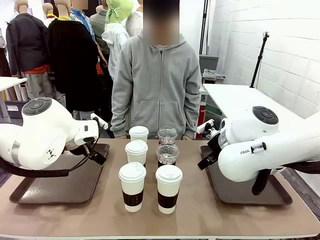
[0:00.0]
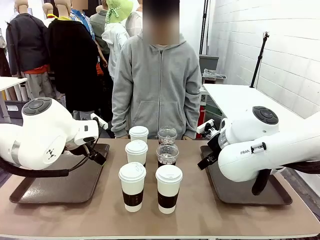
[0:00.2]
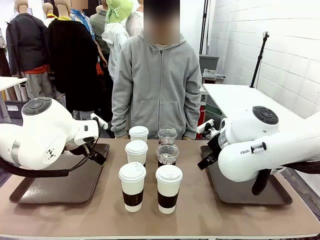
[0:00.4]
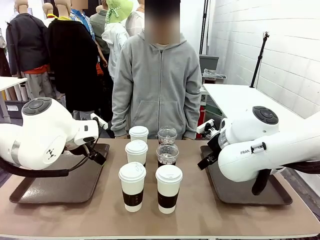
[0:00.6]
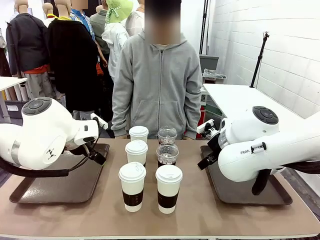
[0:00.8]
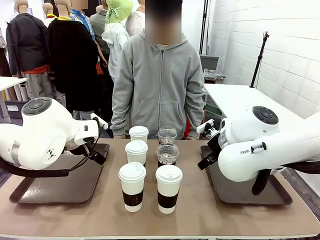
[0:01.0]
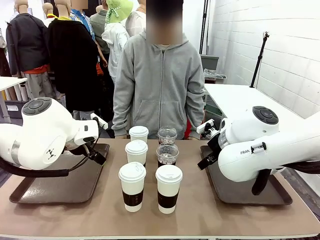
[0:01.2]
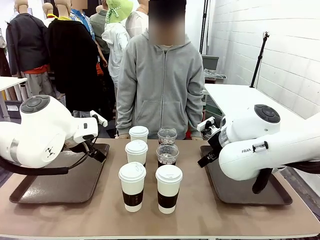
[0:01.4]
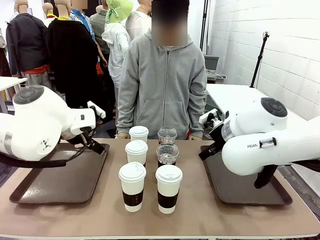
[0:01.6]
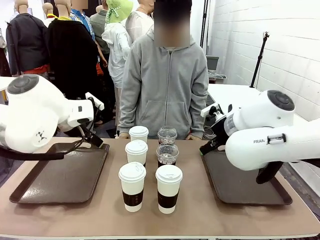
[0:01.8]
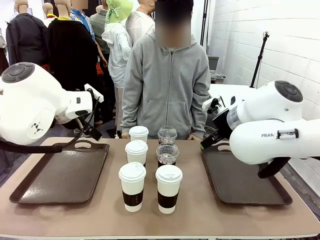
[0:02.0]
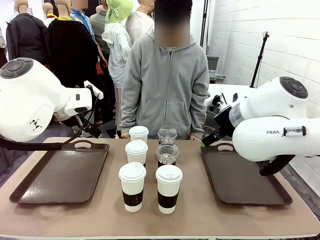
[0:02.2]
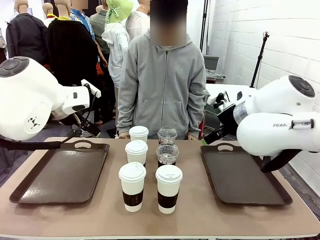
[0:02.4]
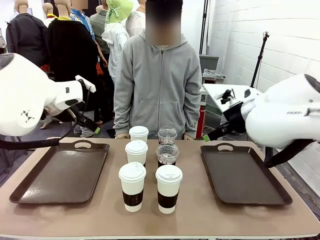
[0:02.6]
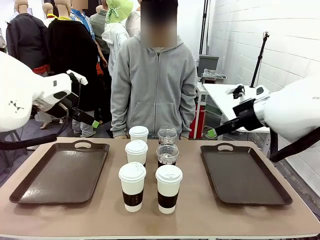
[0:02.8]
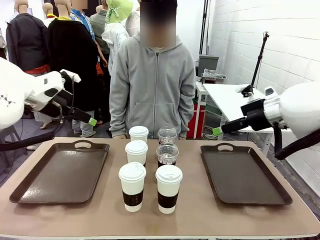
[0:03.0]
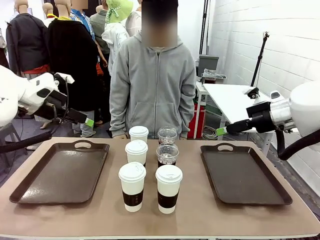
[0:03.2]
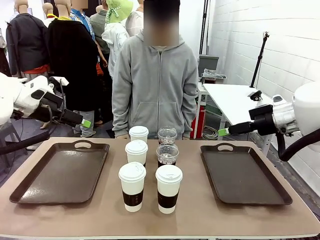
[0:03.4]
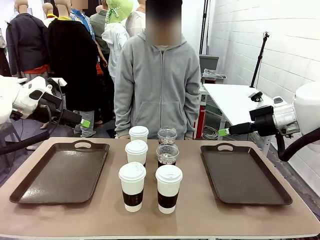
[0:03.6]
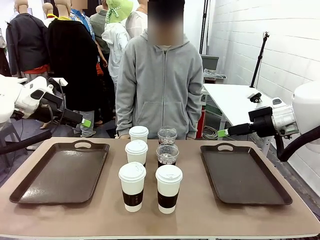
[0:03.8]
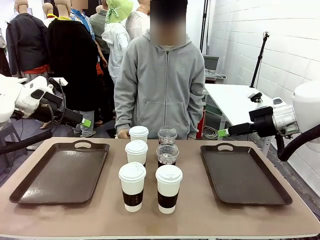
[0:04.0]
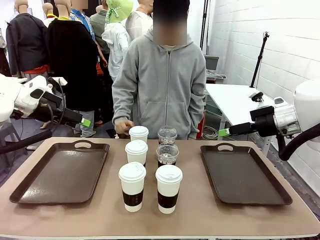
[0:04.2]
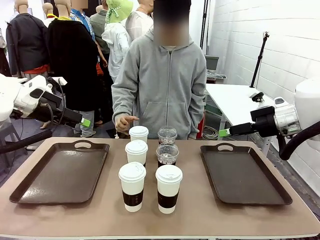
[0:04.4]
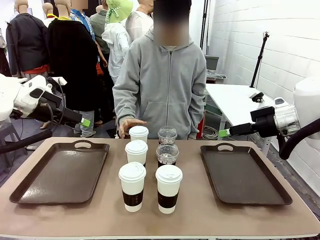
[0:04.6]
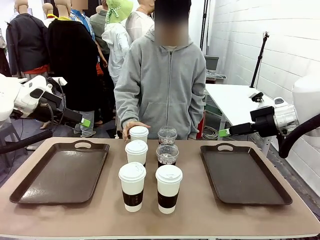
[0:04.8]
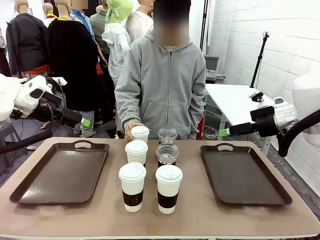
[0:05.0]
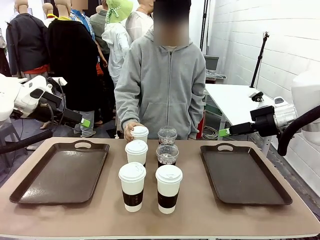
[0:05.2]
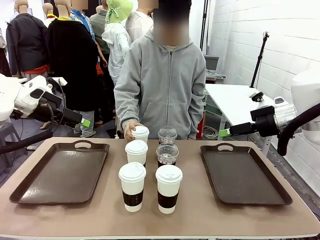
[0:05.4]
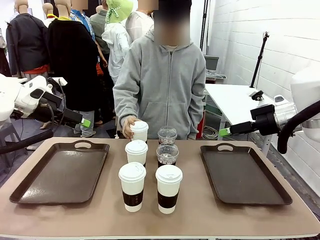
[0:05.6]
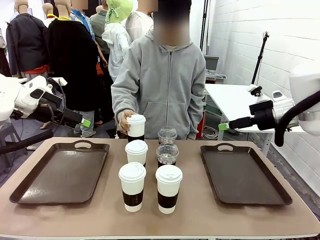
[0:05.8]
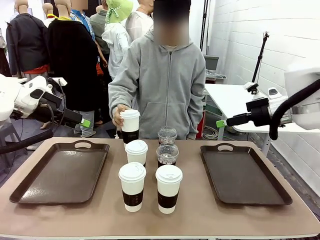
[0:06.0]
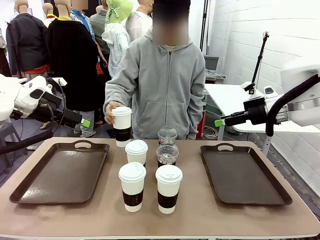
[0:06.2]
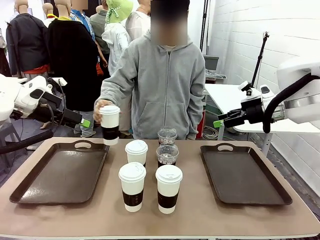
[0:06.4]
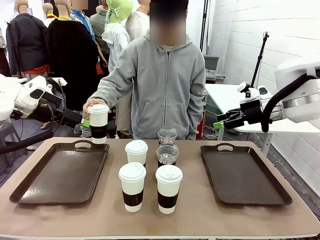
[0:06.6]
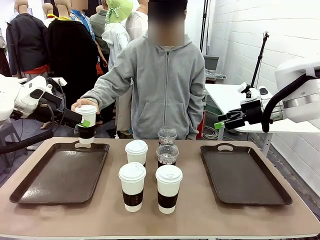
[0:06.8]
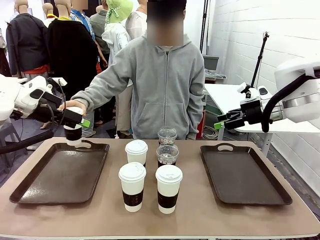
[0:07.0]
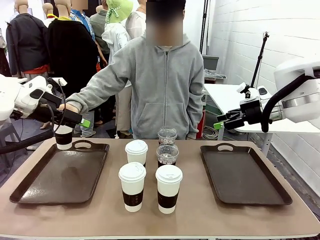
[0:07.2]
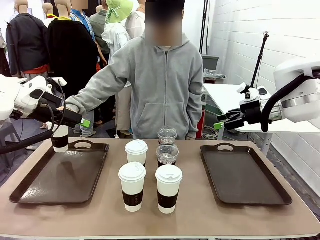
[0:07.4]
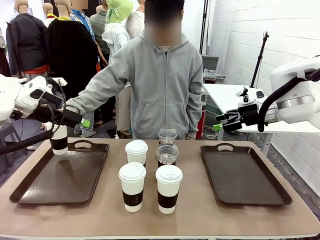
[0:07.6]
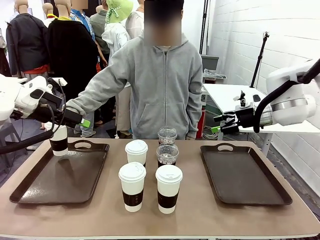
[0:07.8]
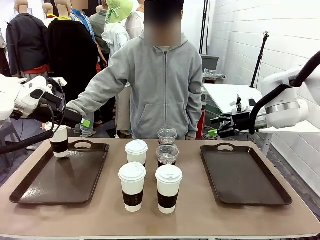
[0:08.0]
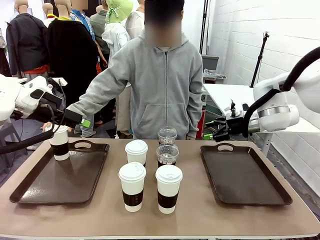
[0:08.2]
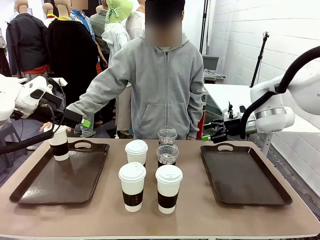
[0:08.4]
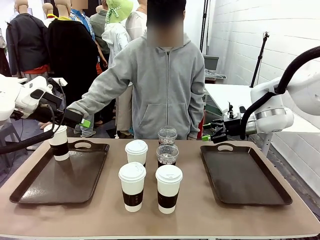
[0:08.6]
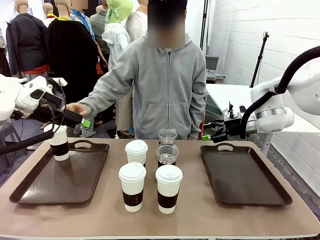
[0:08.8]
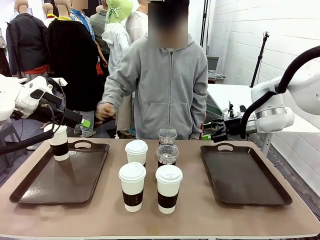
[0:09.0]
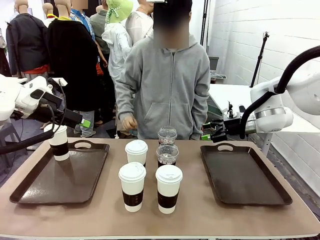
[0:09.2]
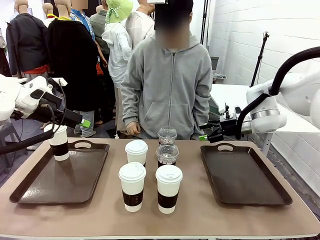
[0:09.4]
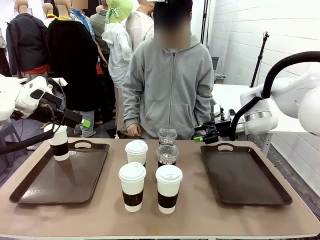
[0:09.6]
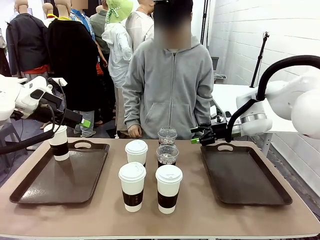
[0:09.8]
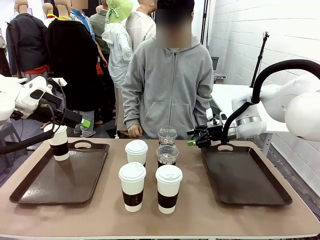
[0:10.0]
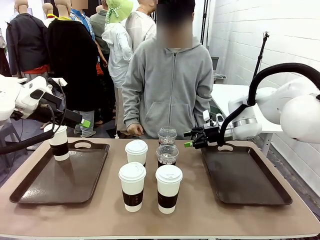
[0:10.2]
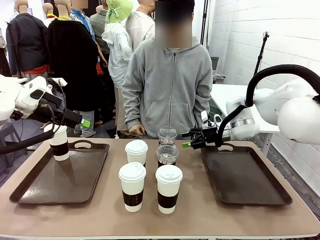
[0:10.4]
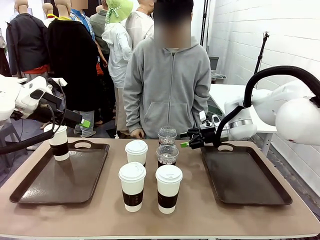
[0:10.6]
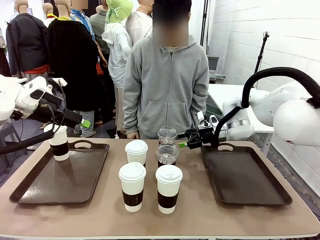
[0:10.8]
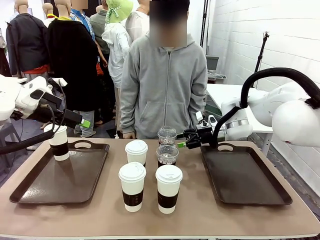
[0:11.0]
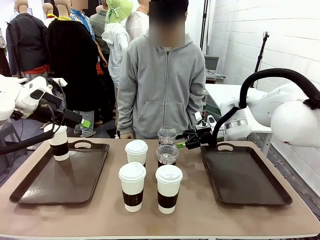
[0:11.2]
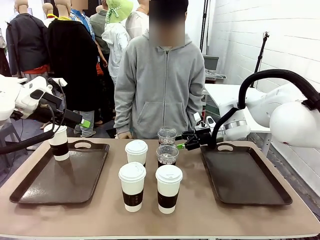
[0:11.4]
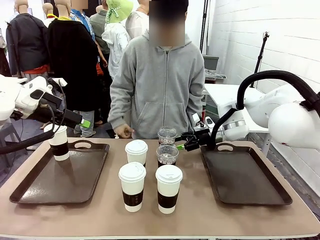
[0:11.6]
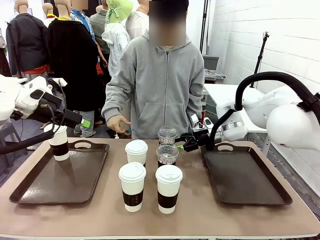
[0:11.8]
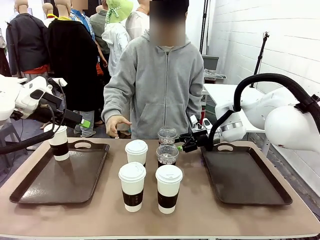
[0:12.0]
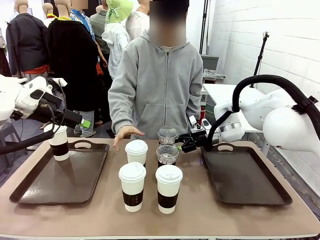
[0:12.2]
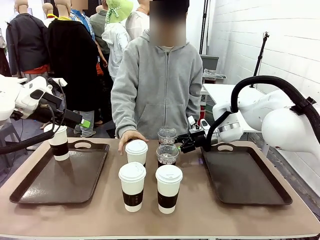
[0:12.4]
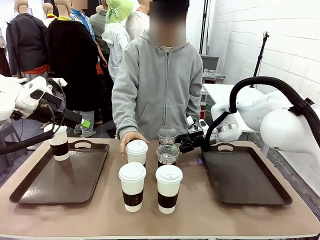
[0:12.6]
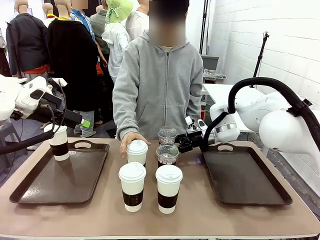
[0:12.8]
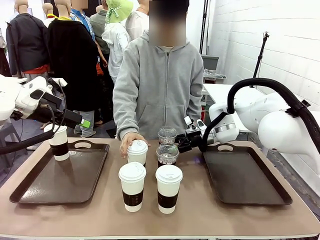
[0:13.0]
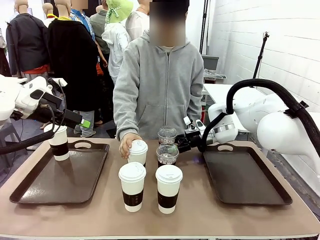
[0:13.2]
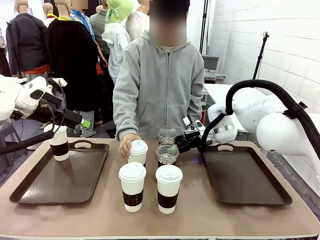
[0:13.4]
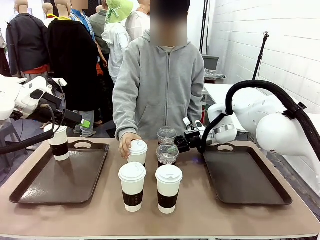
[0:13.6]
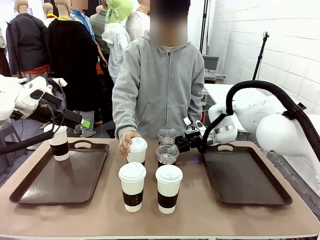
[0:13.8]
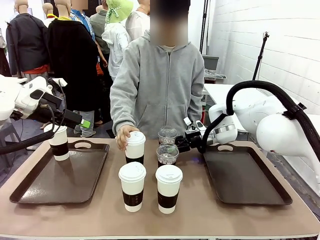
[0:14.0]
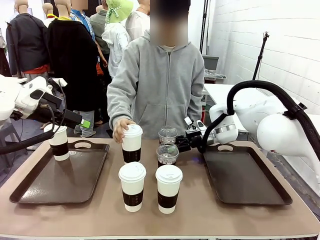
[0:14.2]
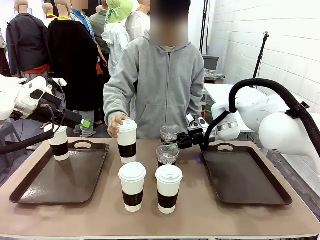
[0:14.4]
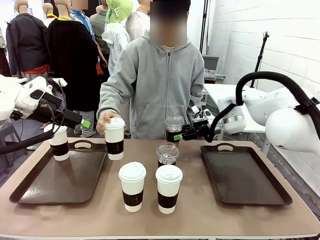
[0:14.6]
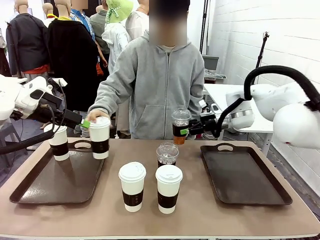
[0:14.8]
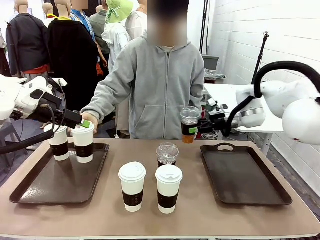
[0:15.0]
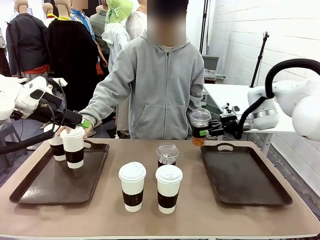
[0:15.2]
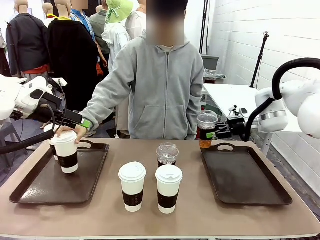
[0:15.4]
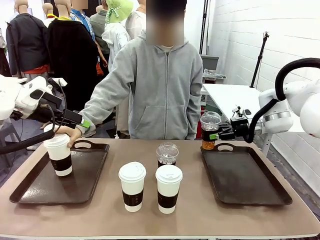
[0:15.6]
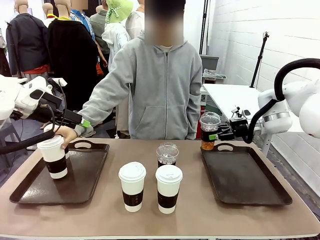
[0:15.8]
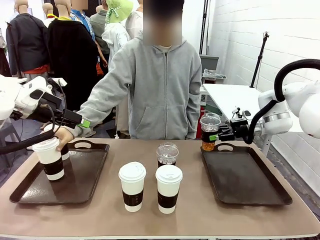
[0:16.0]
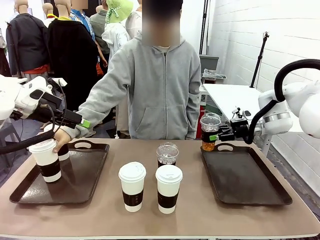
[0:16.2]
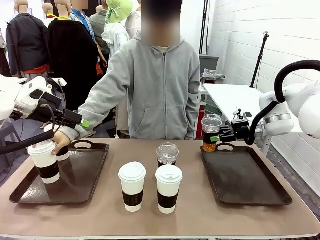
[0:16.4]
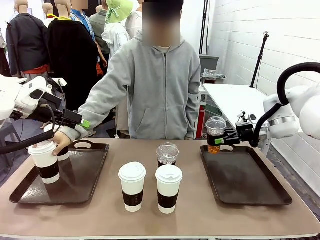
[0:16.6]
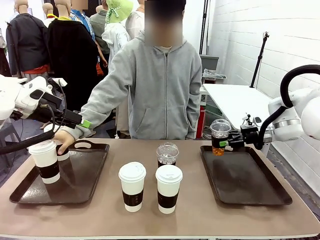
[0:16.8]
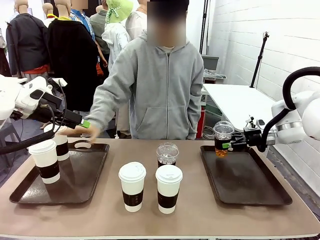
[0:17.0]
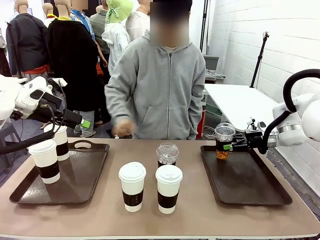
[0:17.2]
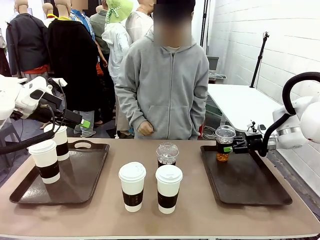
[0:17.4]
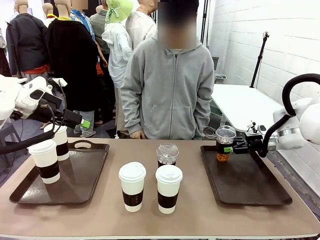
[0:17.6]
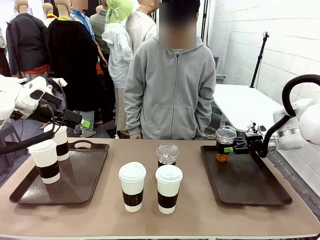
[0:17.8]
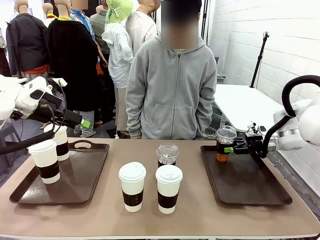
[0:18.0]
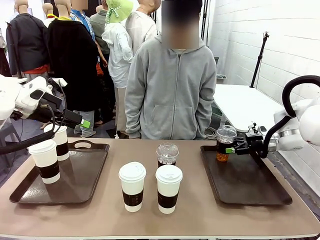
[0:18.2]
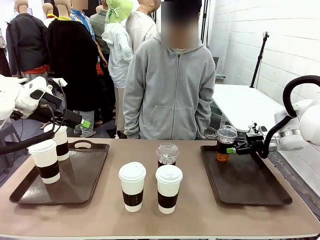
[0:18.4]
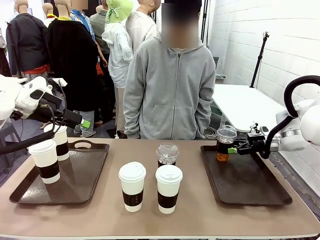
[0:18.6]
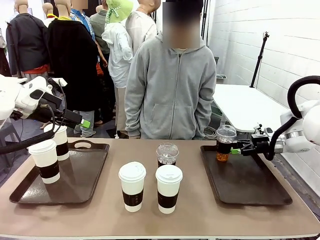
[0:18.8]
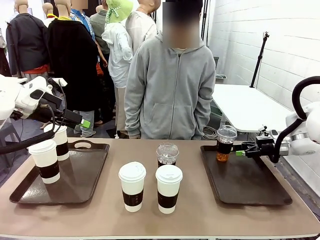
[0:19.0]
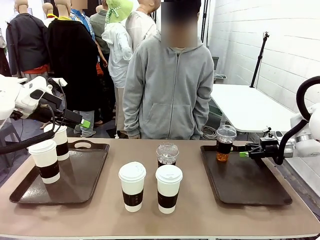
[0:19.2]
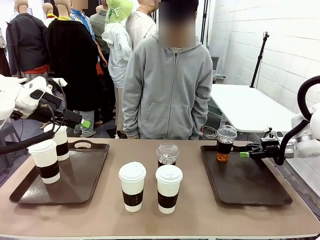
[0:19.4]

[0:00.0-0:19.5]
Task: Distribute the coffee onto the tray.
Robot: Pick up one iced Americano and place it on the right Handle tray.
Person: Pick up a cup of hot Americano and place it on the right tray.
